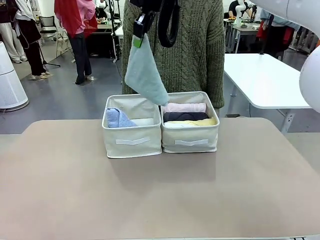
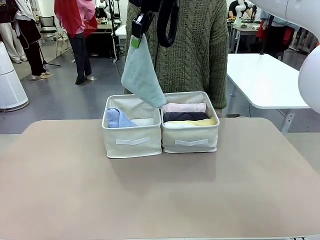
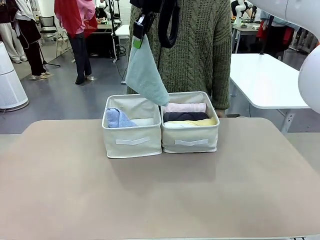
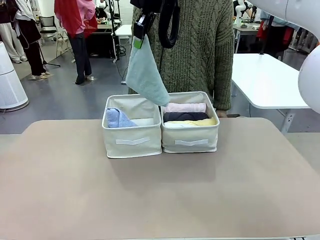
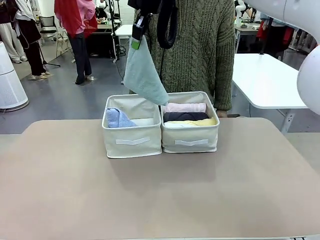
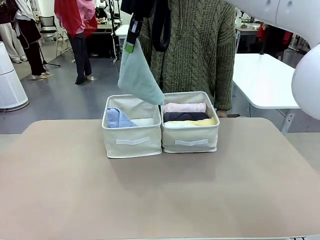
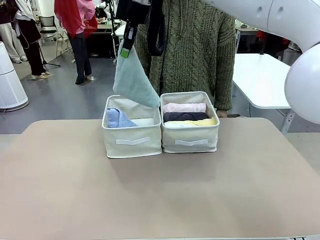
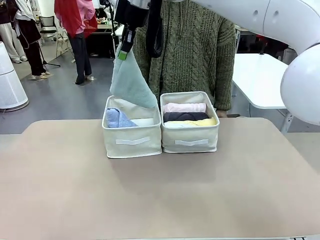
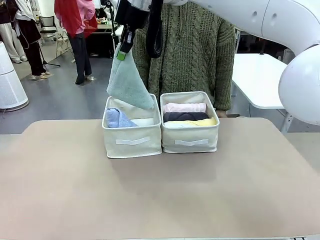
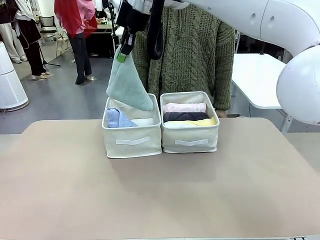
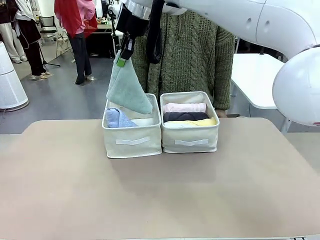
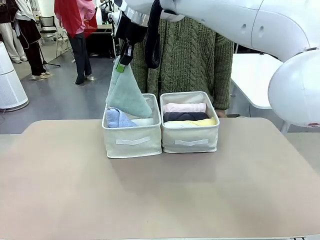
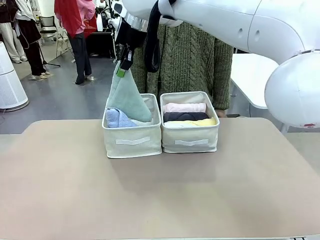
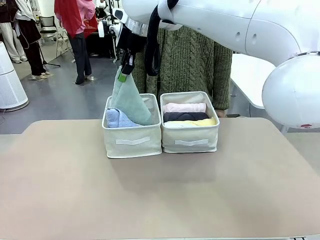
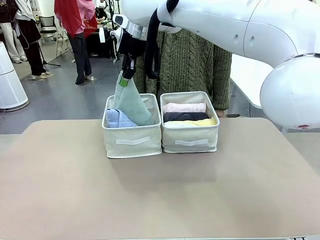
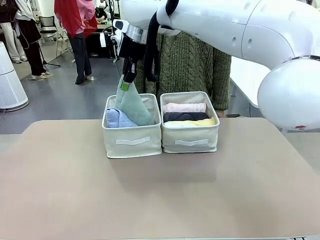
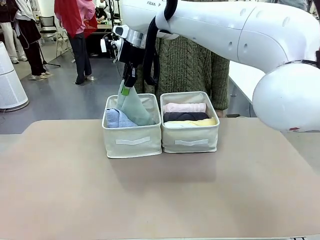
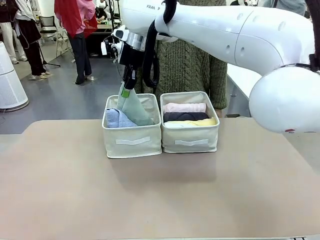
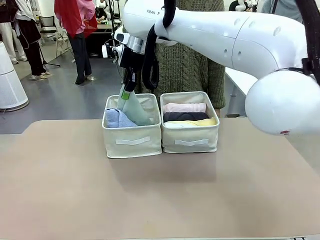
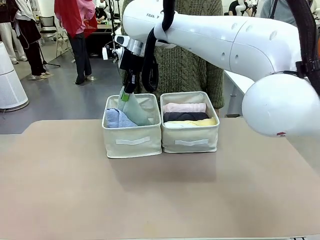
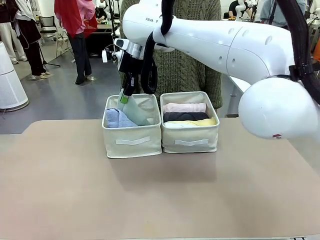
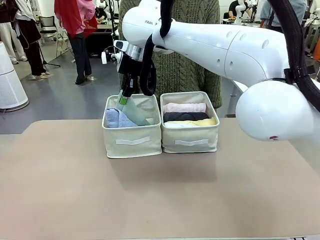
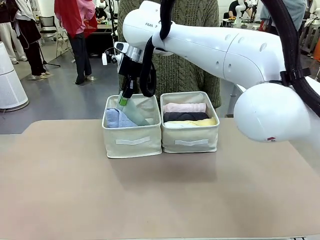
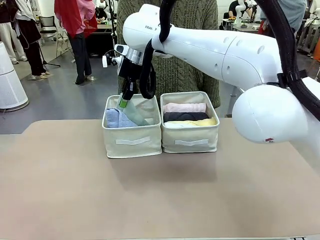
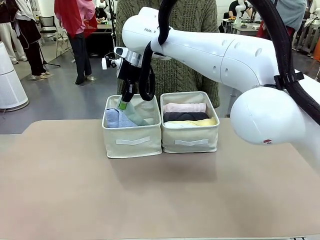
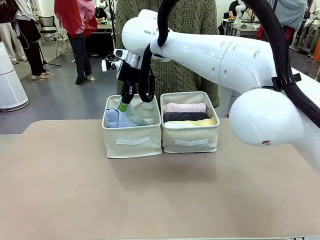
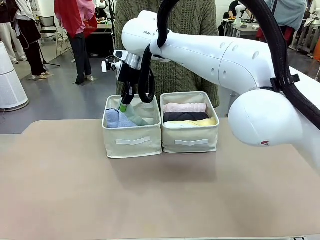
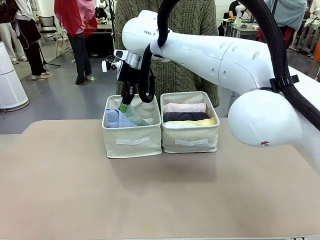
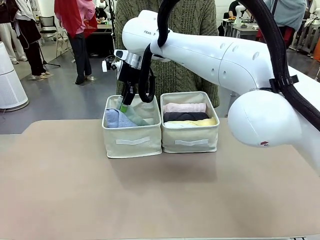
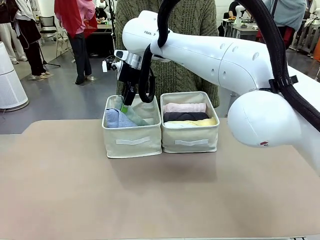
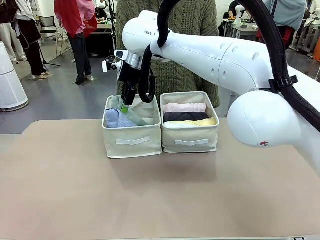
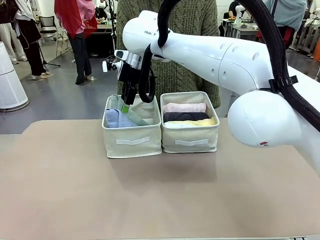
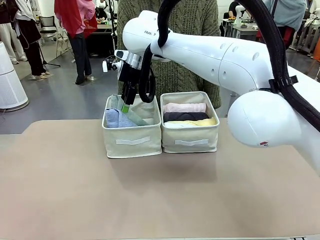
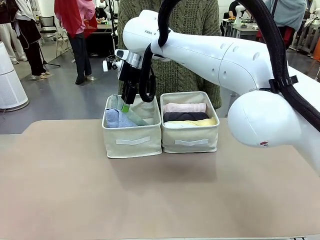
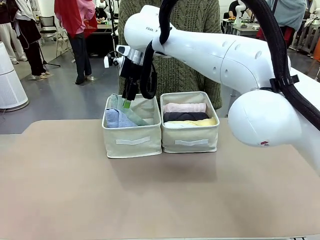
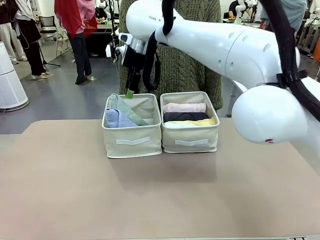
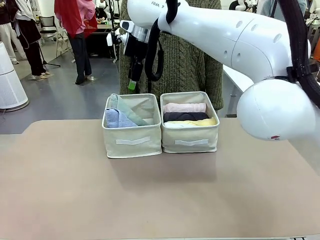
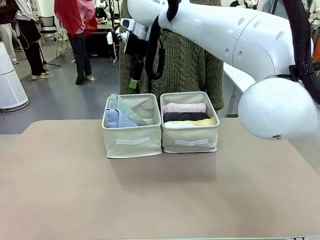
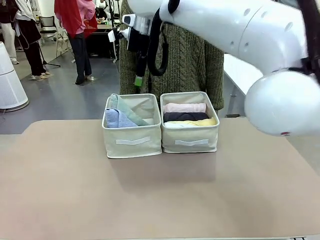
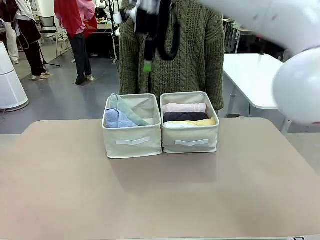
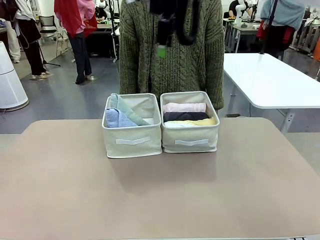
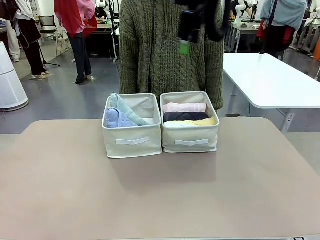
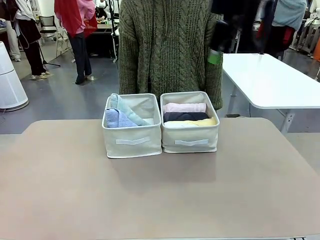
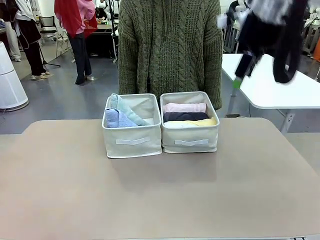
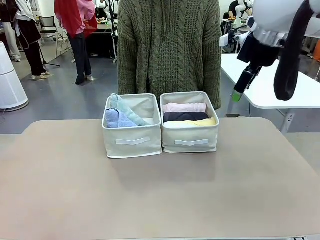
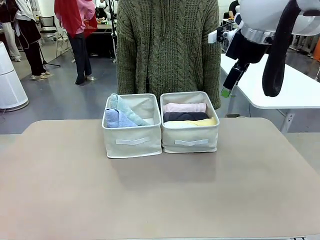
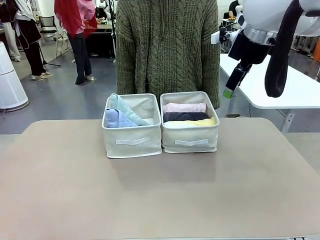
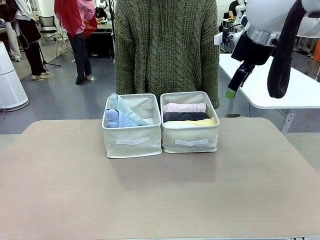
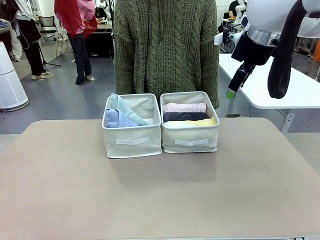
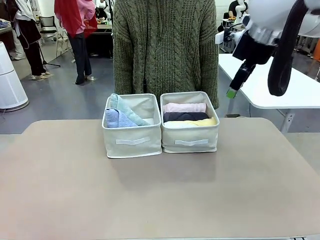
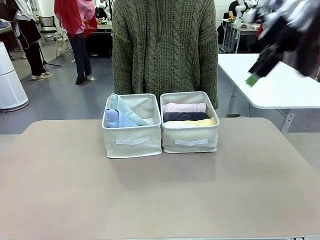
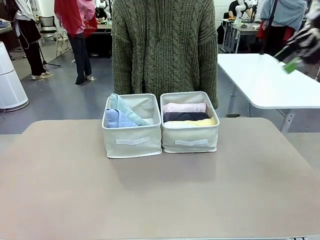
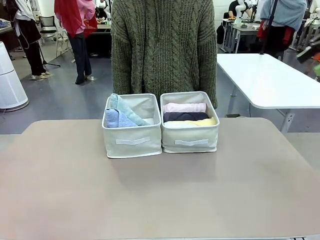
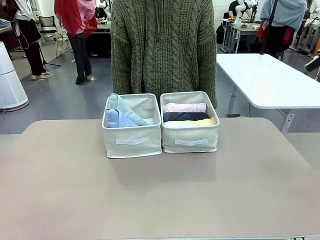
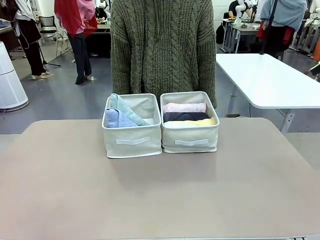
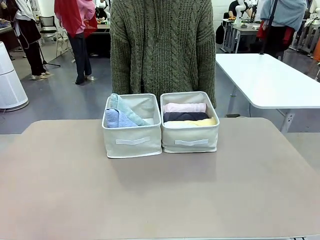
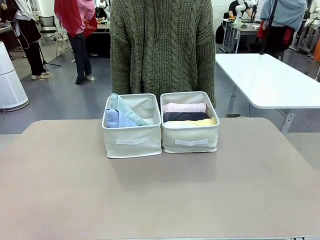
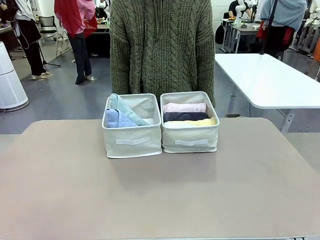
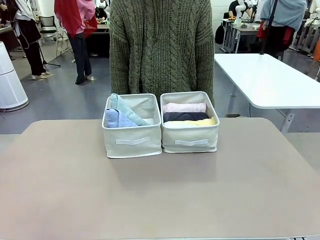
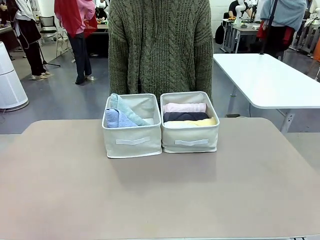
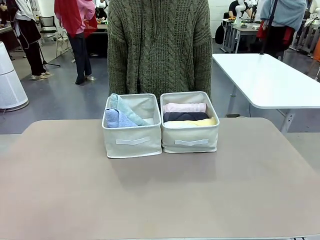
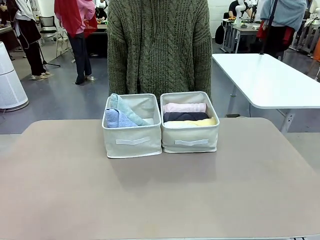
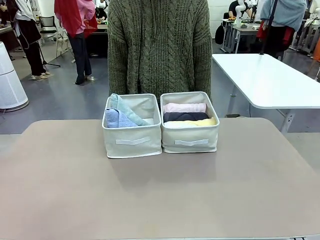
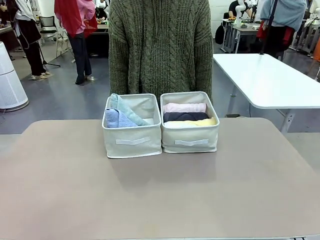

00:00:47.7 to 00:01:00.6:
Task: Sort the towels based on their folding style.
Robot: Pick up another triangle-folded towel from the table and place it in the left Fabric basket.
